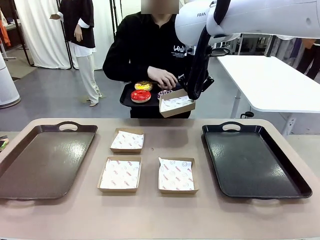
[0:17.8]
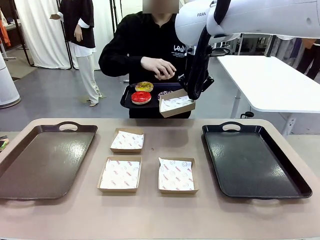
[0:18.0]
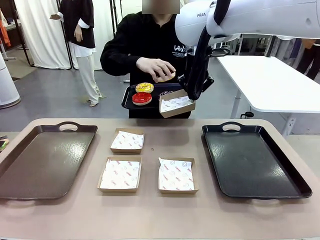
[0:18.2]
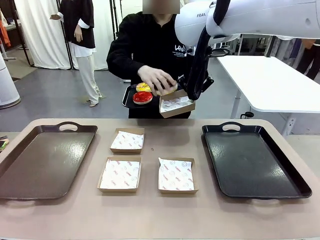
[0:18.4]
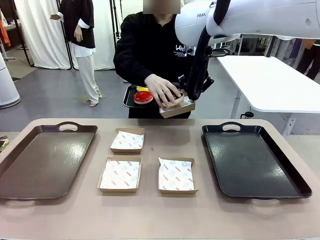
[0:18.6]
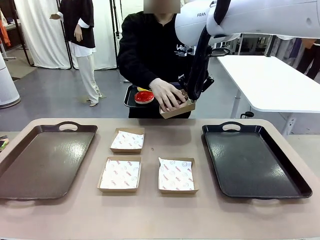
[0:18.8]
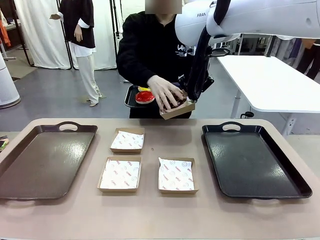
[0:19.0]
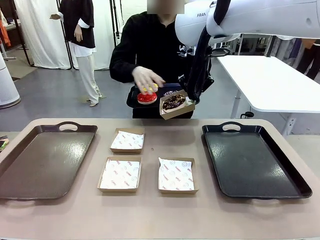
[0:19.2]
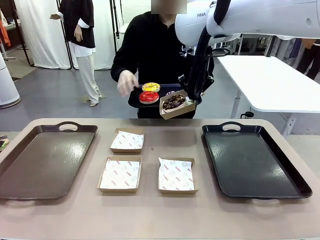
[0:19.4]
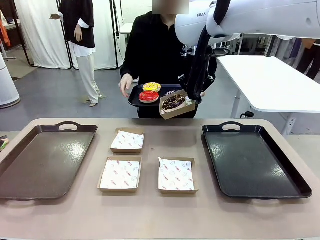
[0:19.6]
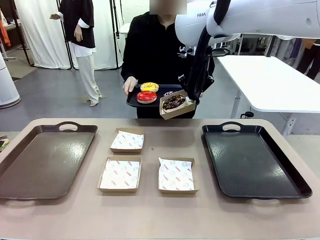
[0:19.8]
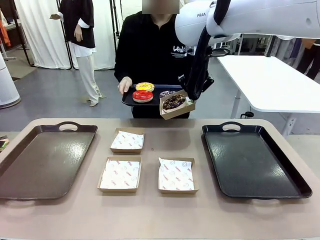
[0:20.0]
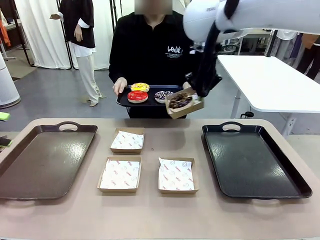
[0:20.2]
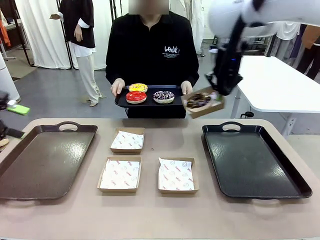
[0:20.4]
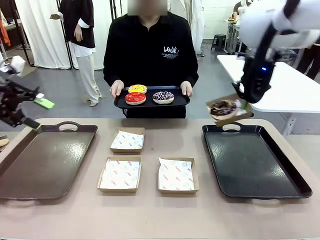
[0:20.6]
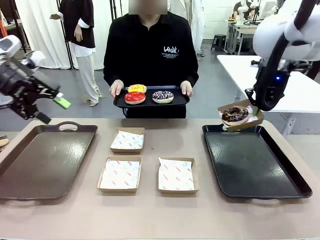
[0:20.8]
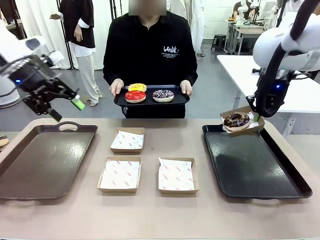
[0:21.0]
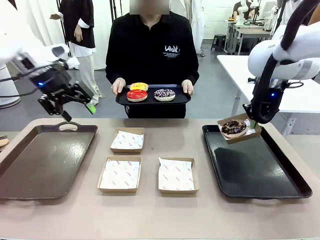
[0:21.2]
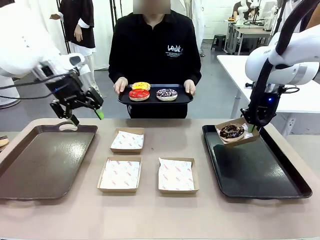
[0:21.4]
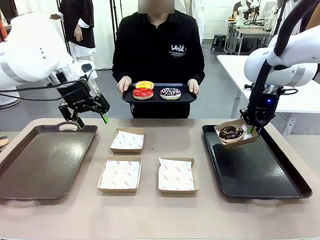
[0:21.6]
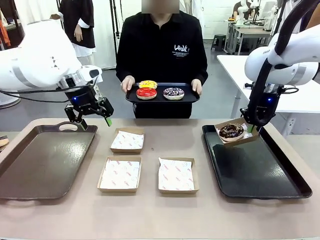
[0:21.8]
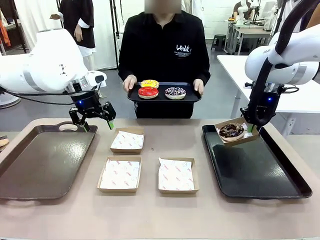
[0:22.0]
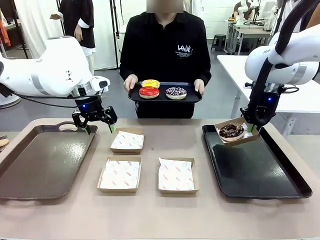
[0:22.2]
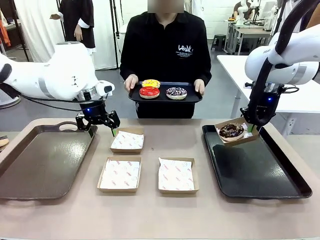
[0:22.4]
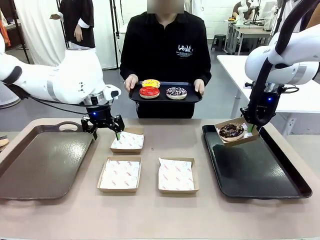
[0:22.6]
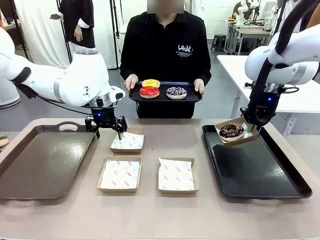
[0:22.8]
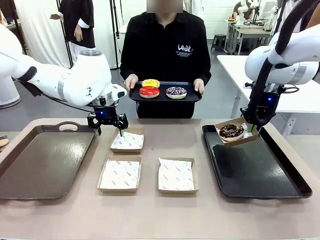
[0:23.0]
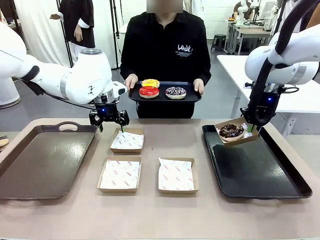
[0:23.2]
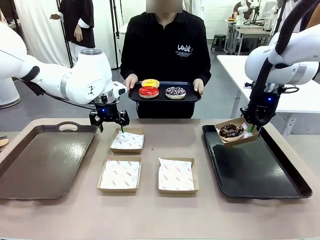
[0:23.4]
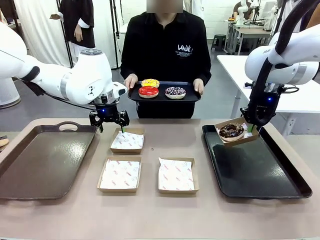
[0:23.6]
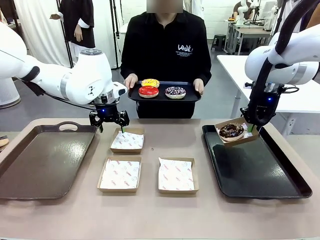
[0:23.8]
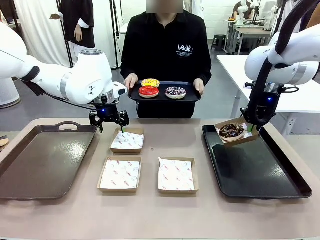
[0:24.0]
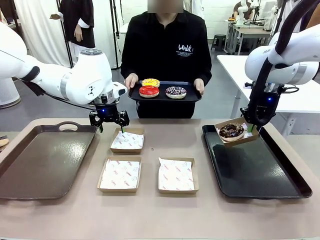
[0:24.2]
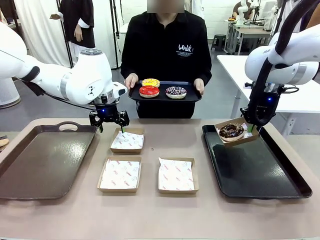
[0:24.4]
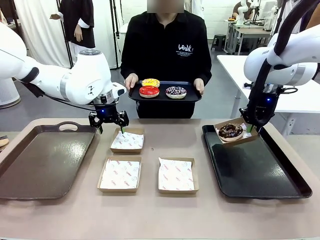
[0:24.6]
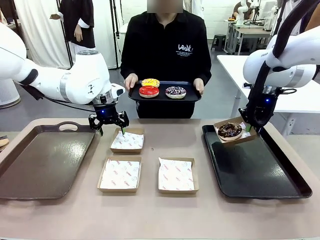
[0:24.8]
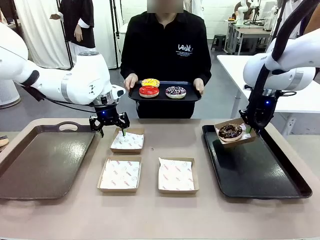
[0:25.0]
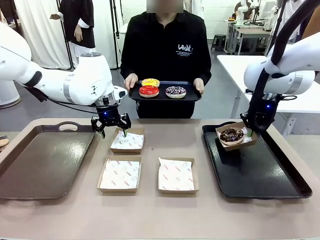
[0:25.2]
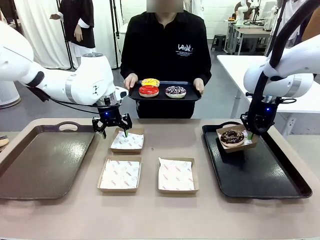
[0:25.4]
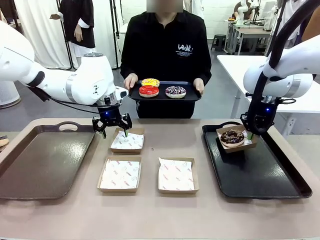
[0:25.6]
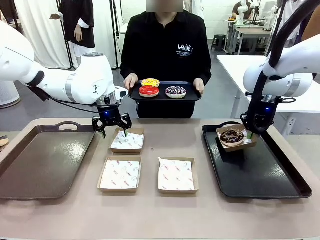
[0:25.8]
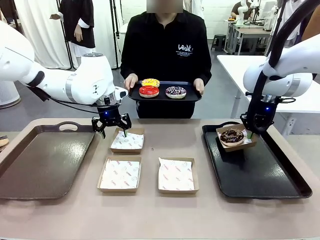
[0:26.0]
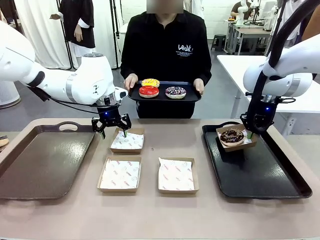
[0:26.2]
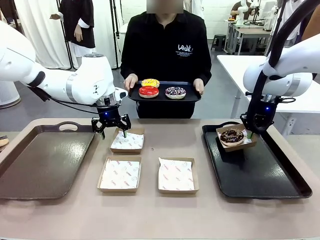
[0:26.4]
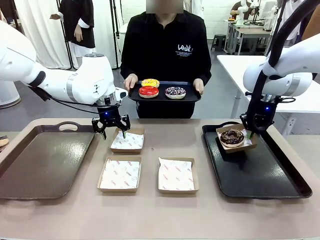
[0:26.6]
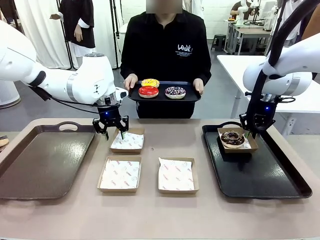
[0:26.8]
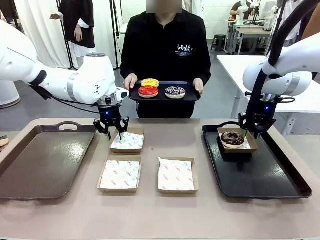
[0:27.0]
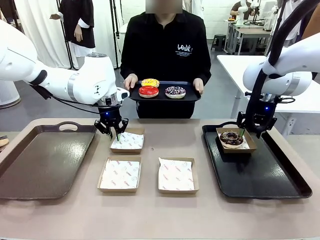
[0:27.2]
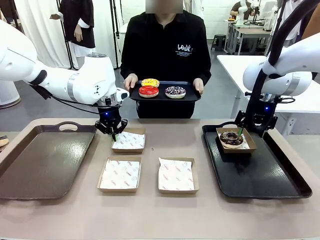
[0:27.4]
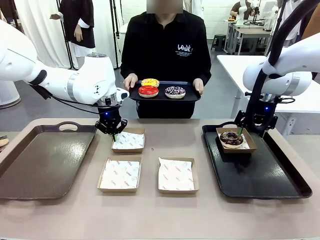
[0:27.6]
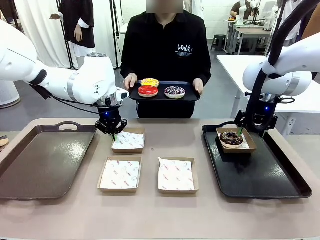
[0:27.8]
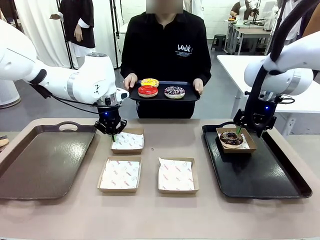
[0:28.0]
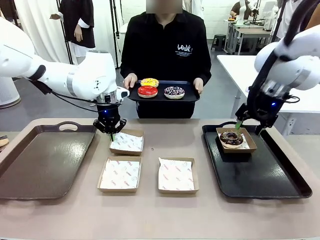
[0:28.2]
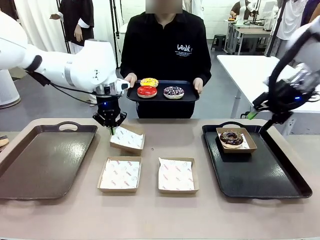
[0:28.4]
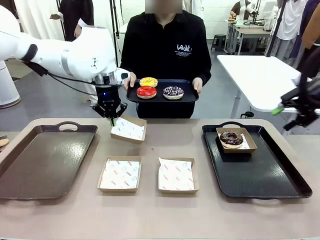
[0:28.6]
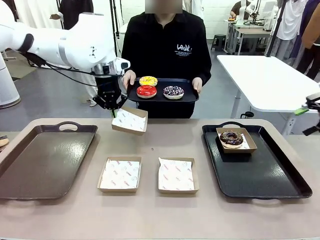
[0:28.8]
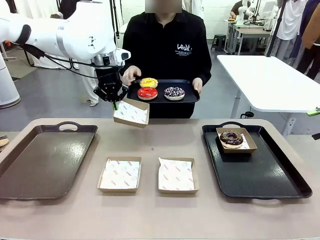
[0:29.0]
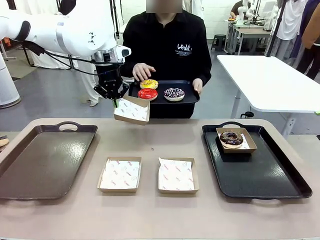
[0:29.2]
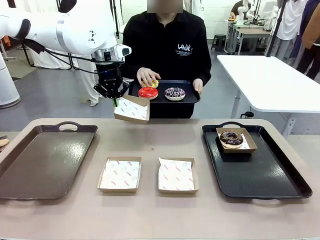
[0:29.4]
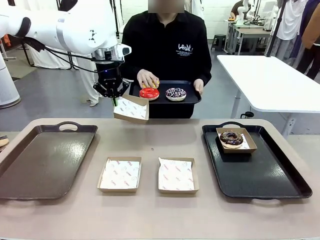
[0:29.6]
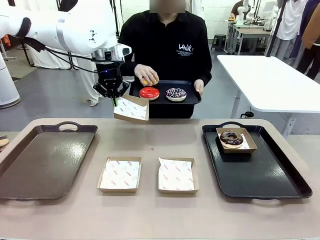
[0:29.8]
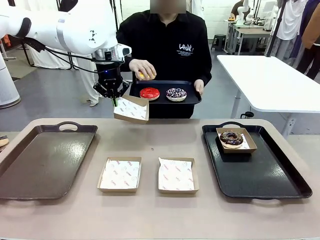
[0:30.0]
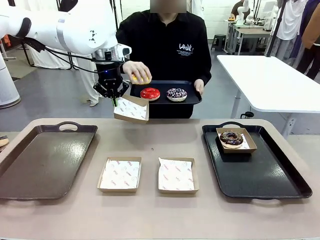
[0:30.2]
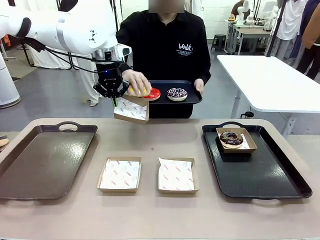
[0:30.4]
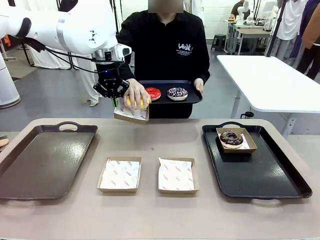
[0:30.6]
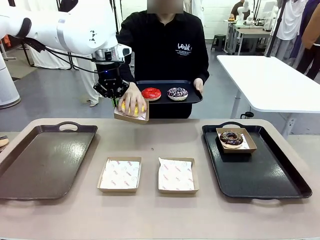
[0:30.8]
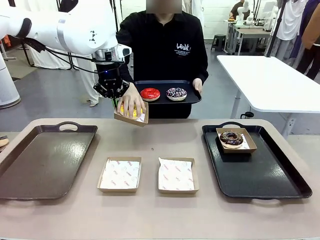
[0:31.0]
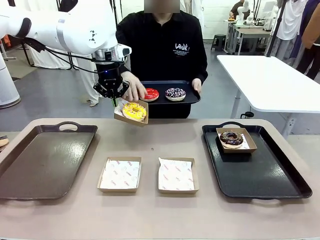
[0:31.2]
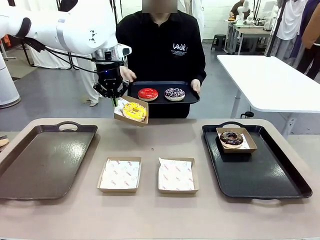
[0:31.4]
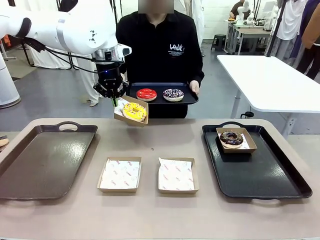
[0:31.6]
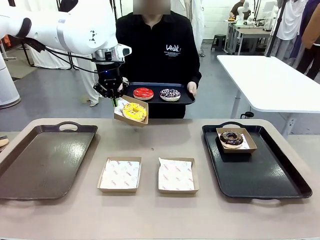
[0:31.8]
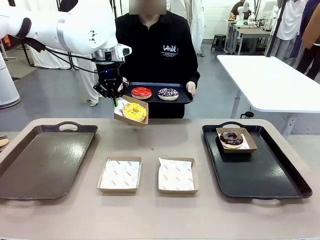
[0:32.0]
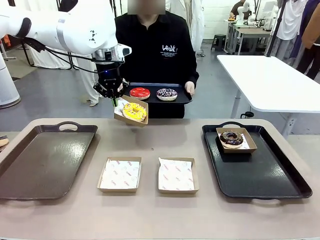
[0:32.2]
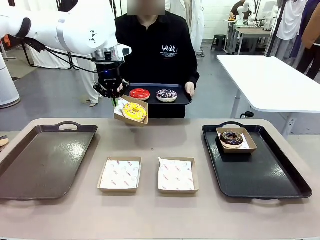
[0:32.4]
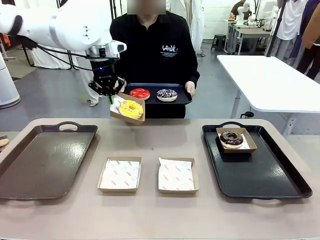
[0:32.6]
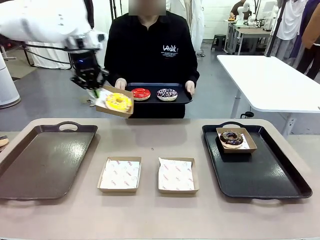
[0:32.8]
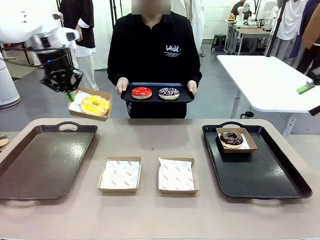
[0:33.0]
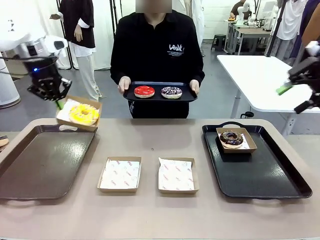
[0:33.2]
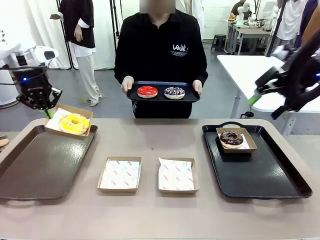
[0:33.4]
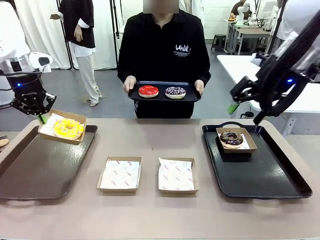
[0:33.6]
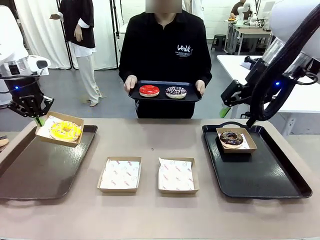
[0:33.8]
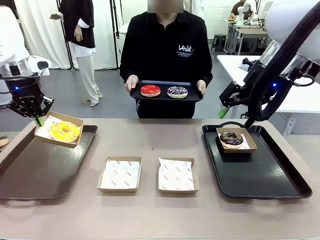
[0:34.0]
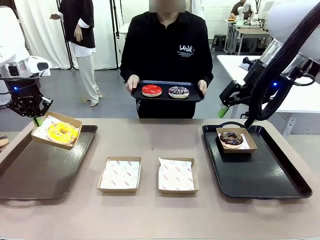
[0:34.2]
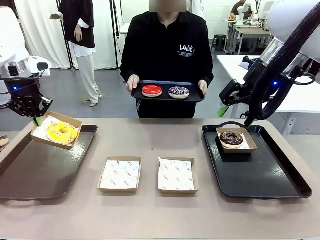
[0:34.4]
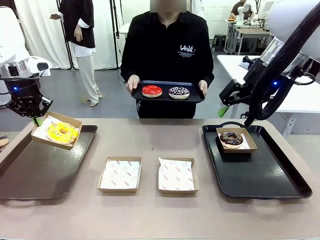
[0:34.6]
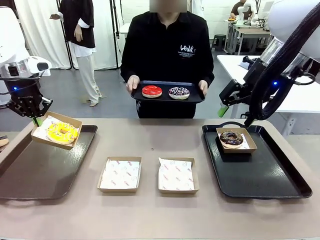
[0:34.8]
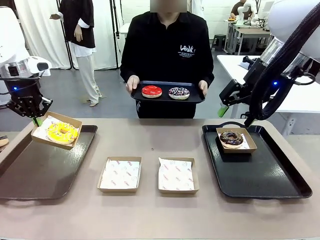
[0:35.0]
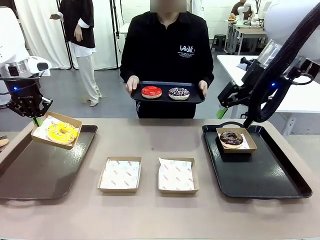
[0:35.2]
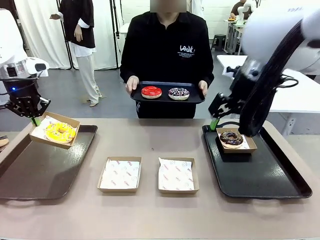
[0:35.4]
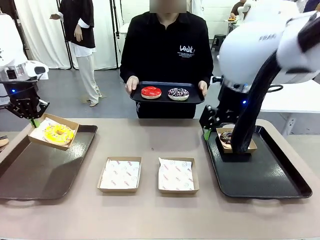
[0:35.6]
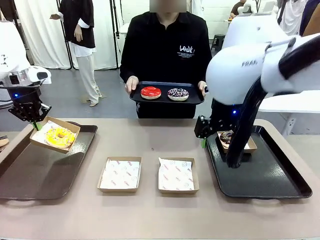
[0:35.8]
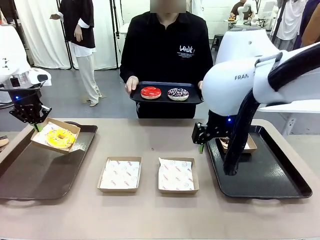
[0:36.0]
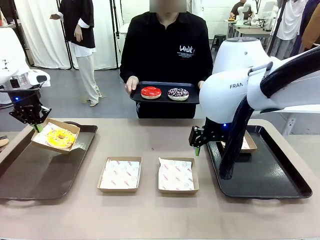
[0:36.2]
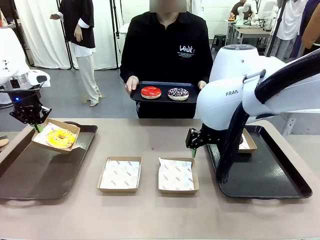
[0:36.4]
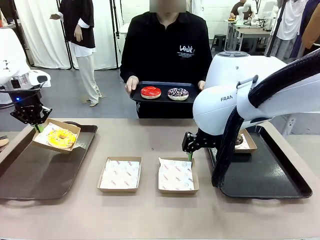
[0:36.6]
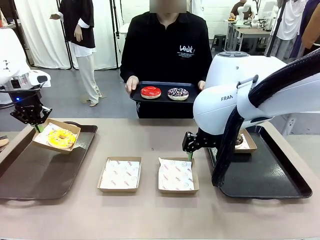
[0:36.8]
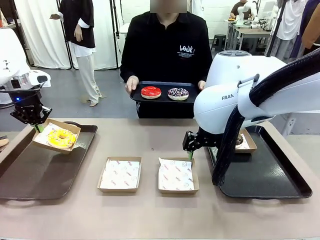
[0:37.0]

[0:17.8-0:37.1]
Task: Individually package the donuts and arrange them on the tray.
Robot: Place the picked Paper togo box on the Handle tray while simultaneously picking up another Paper togo box from the table with the other hand.
